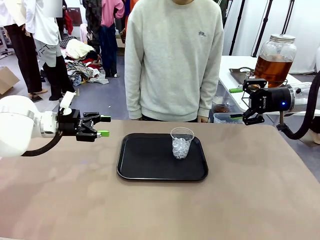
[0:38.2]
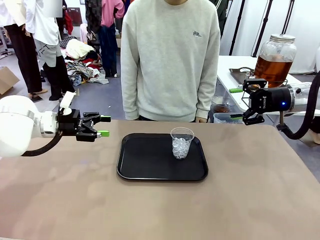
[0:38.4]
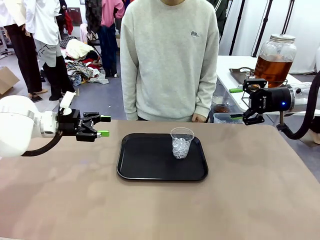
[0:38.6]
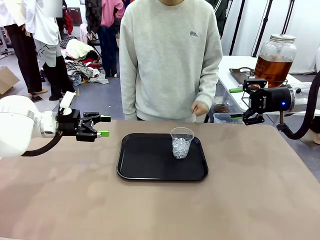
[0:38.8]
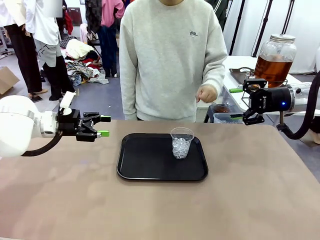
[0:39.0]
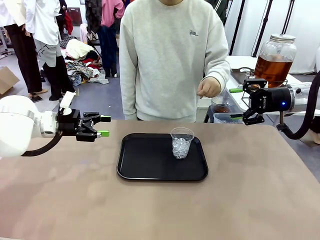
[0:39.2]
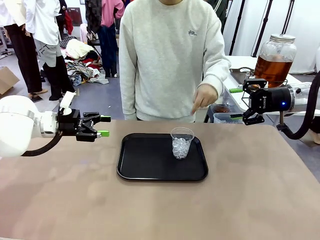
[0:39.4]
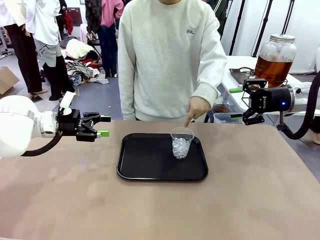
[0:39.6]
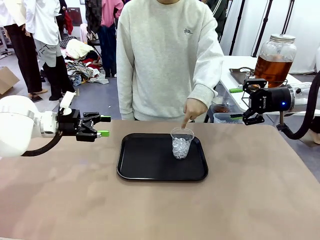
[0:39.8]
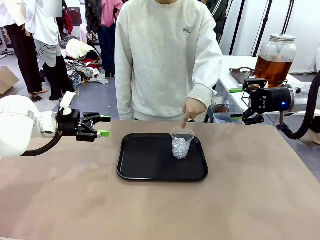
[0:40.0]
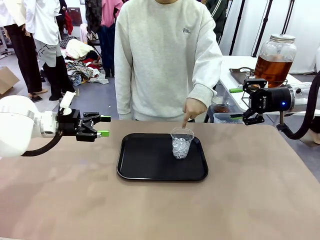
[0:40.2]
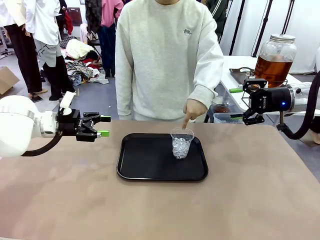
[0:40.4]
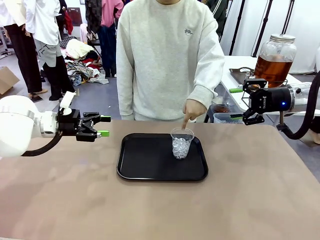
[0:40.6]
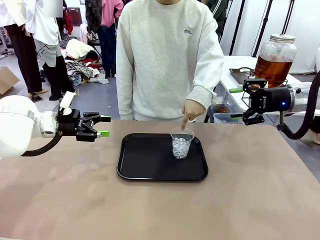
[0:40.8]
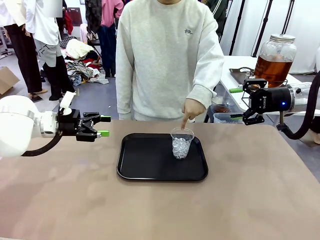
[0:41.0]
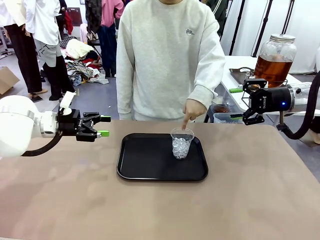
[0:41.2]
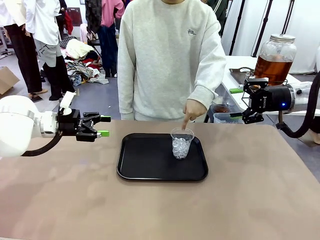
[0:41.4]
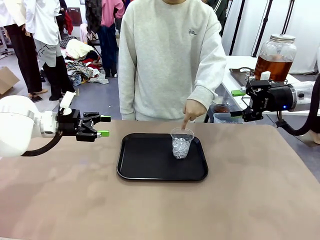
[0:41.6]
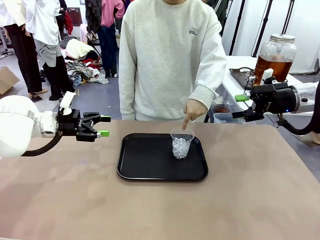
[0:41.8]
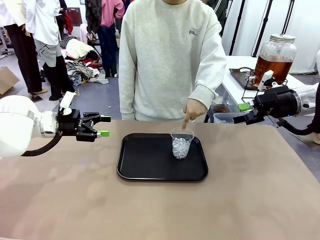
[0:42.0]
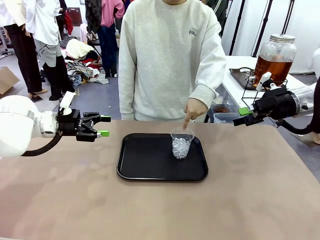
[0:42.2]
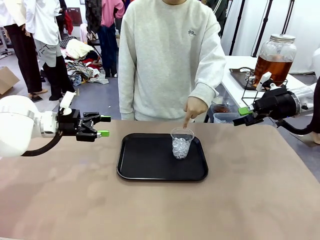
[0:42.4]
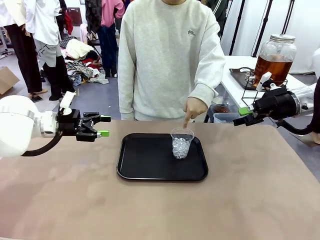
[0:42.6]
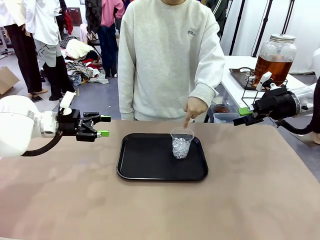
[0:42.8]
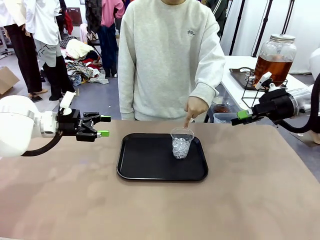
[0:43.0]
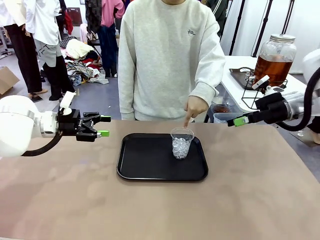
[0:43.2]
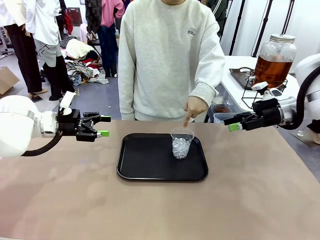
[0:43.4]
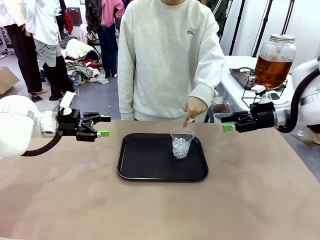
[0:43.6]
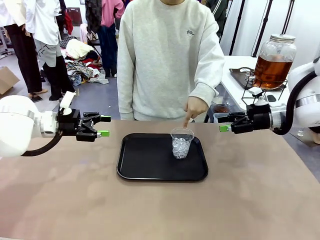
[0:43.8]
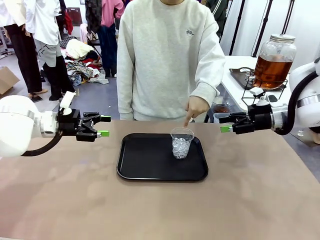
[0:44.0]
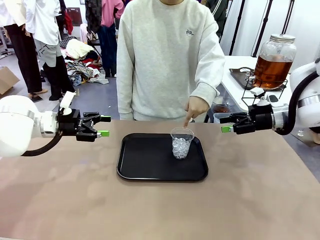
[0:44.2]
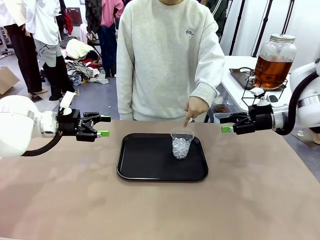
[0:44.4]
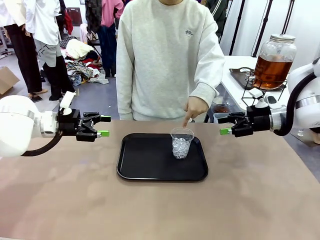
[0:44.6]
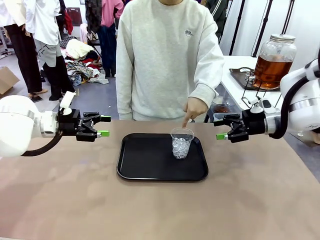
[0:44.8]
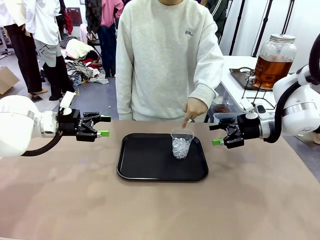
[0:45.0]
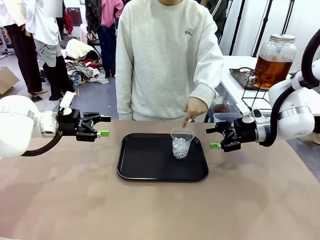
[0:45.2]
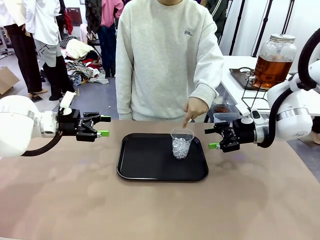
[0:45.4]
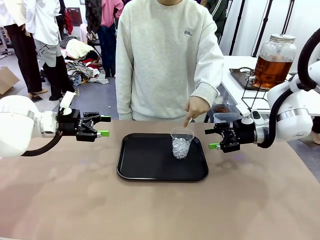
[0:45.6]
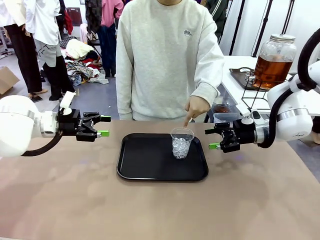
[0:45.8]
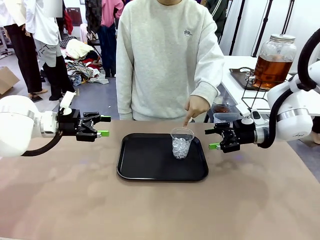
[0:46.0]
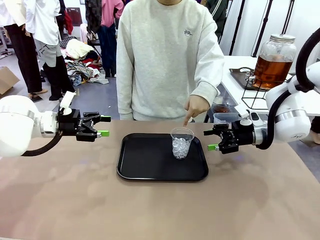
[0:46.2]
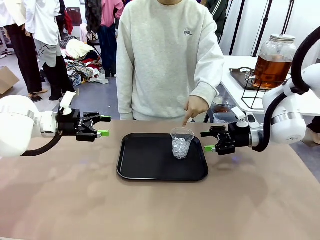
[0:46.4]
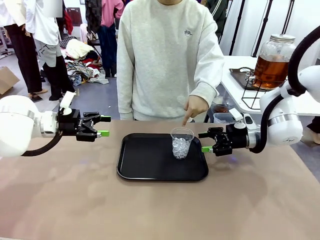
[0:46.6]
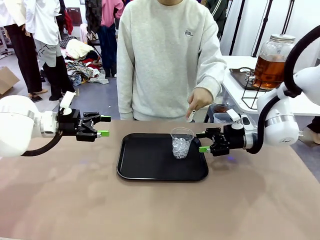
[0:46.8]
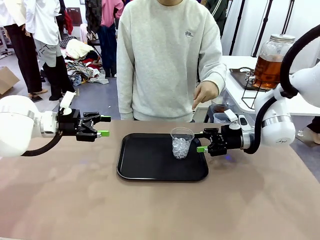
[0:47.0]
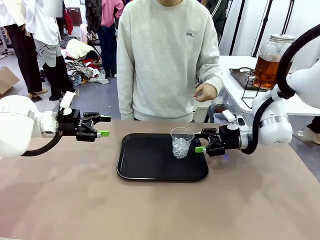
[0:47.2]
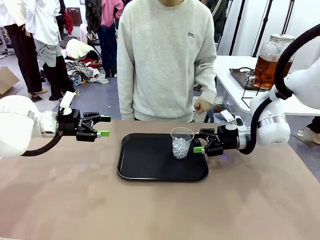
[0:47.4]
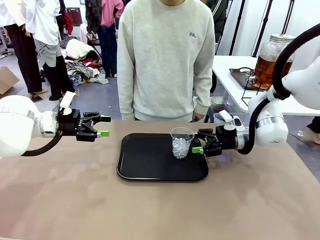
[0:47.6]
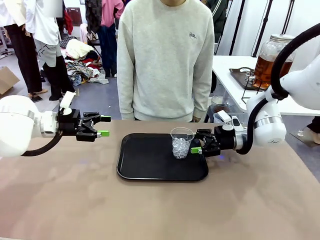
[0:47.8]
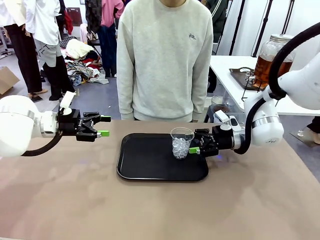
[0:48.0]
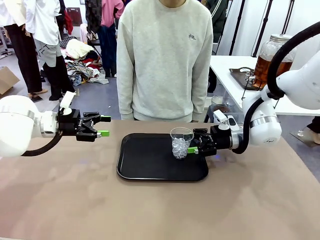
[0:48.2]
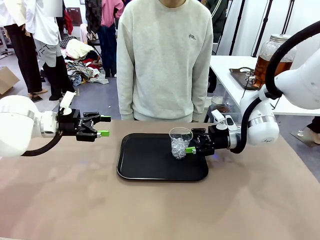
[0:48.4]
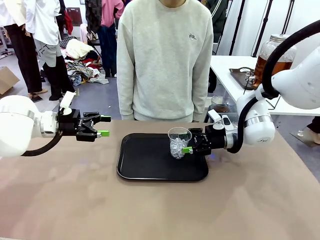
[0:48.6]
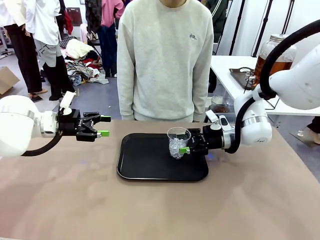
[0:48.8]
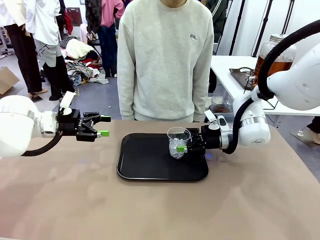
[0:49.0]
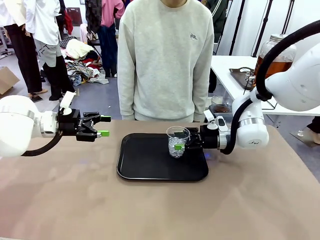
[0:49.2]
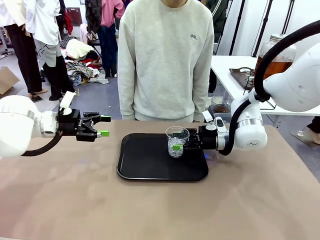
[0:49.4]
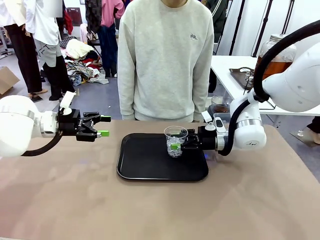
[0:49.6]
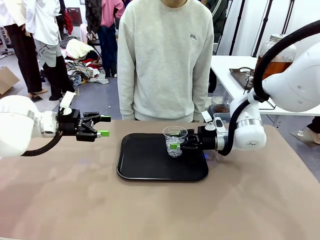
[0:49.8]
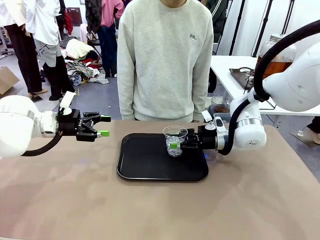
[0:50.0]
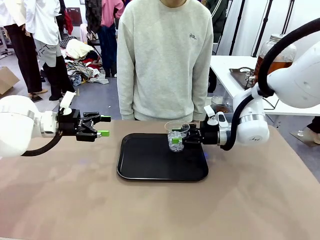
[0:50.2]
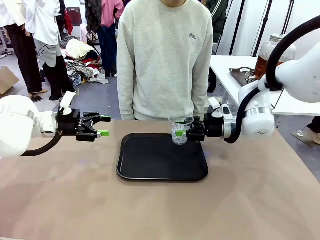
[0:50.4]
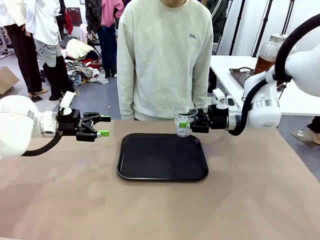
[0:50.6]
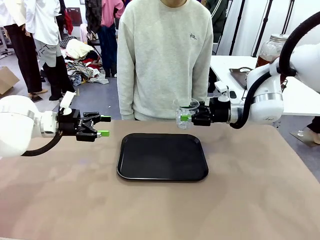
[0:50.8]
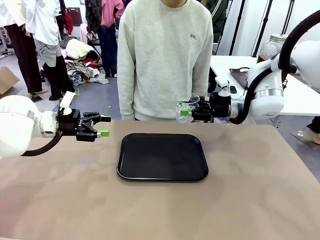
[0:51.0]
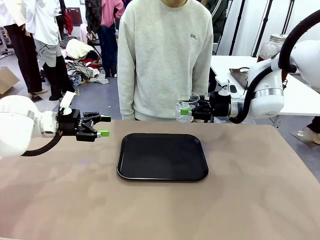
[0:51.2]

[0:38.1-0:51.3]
Task: Pour the drink into the iced cup.
Robot: Pick up the iced cup indicated by the human and present it to them.
Person: Point to the remaining ice cup on the robot table. Pick up the cup offered by the robot.

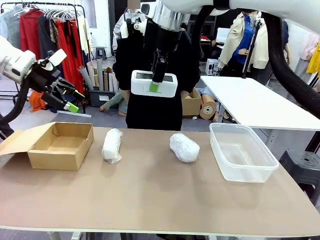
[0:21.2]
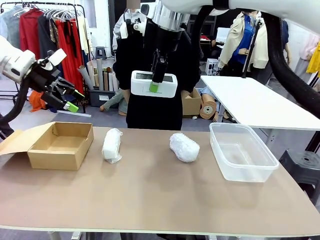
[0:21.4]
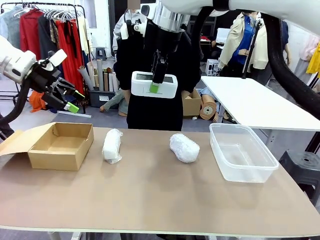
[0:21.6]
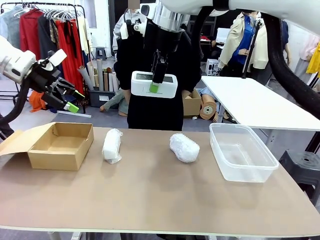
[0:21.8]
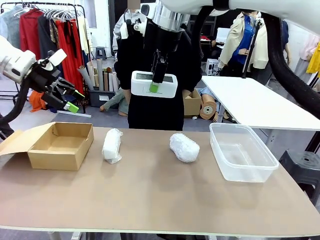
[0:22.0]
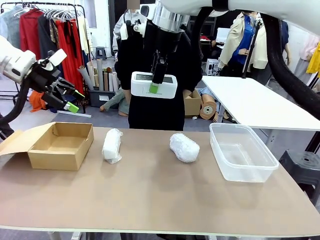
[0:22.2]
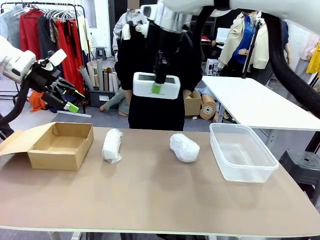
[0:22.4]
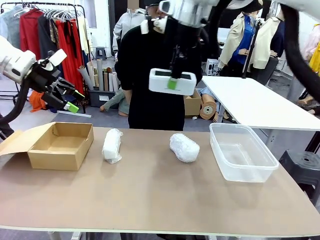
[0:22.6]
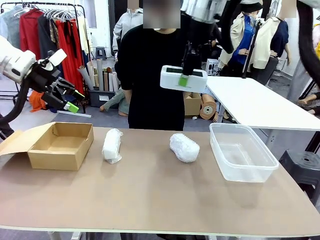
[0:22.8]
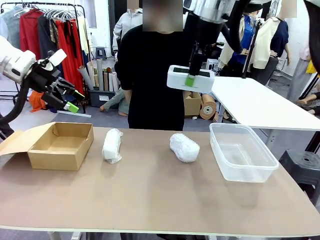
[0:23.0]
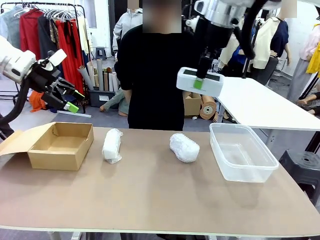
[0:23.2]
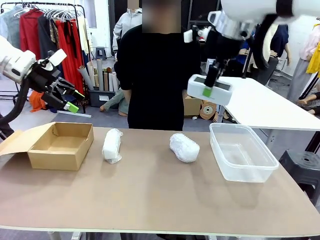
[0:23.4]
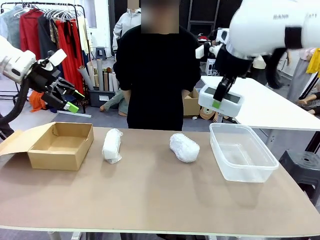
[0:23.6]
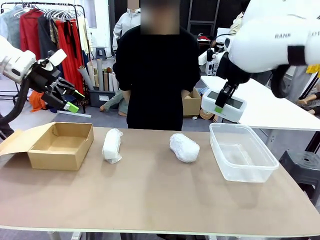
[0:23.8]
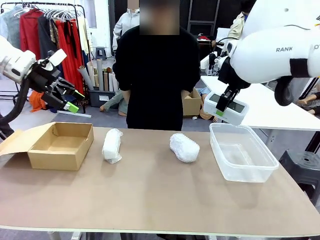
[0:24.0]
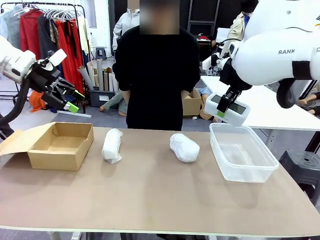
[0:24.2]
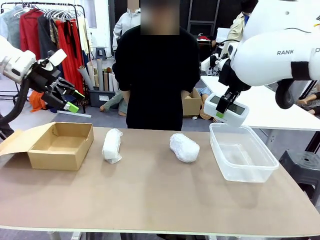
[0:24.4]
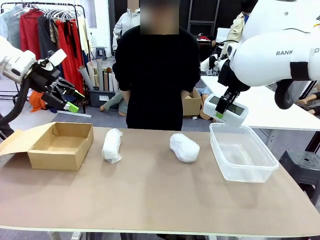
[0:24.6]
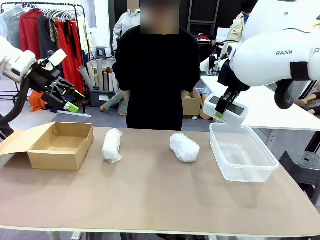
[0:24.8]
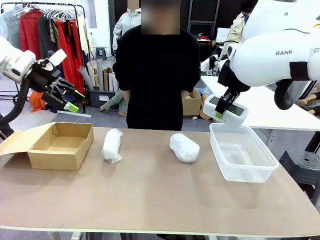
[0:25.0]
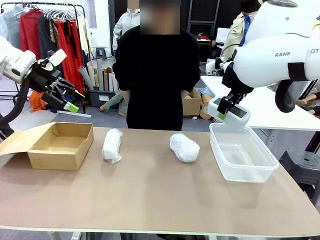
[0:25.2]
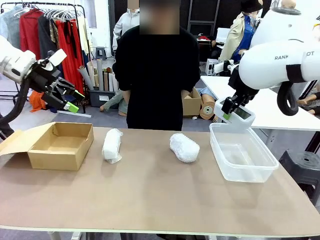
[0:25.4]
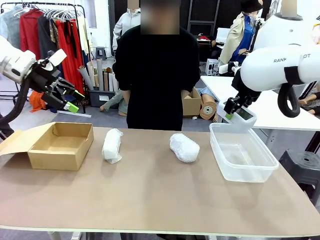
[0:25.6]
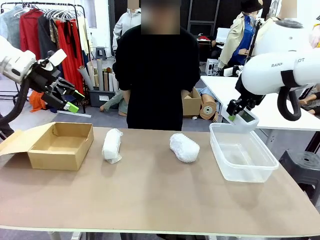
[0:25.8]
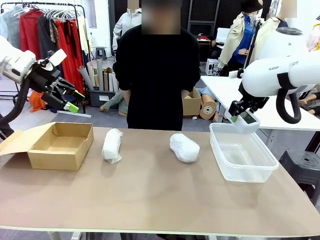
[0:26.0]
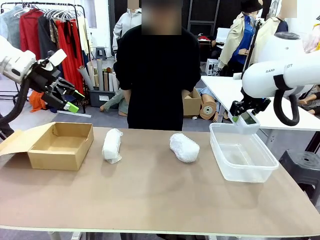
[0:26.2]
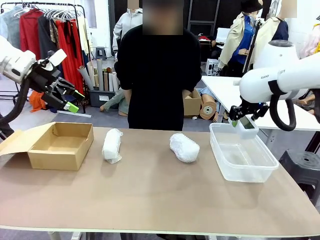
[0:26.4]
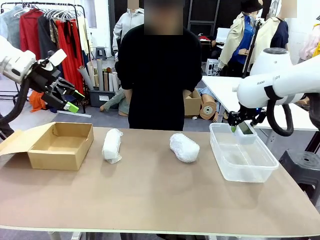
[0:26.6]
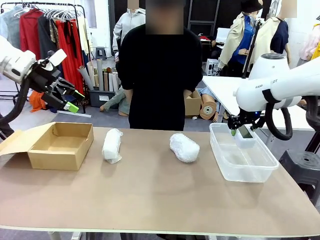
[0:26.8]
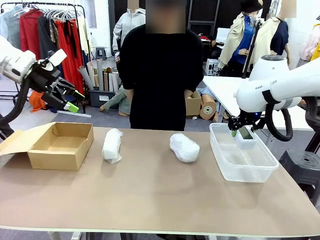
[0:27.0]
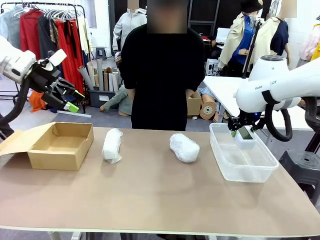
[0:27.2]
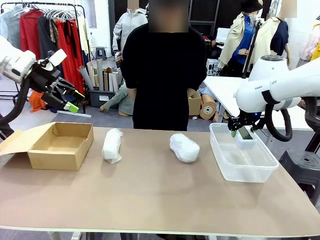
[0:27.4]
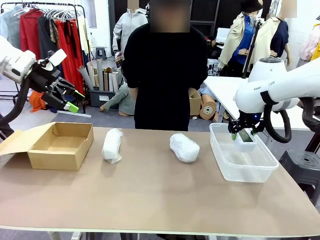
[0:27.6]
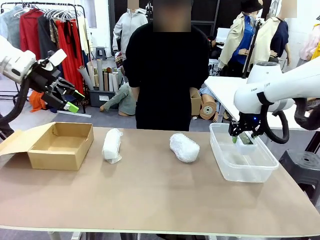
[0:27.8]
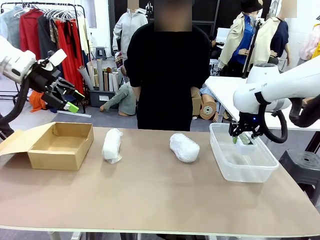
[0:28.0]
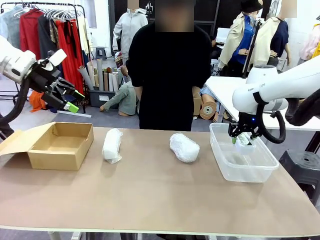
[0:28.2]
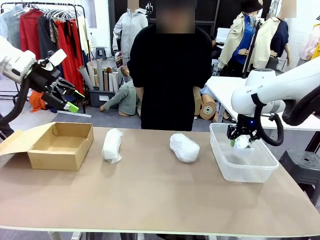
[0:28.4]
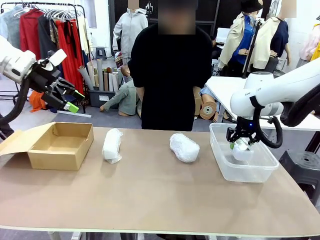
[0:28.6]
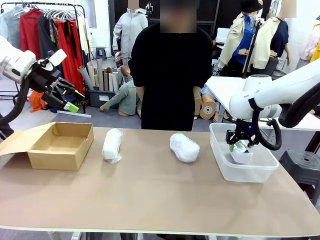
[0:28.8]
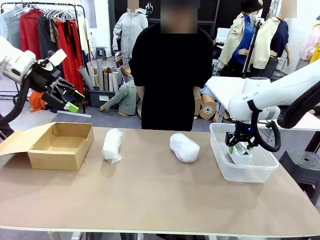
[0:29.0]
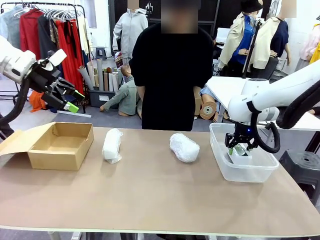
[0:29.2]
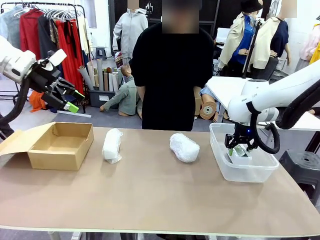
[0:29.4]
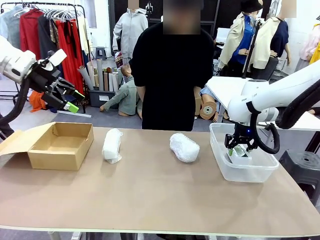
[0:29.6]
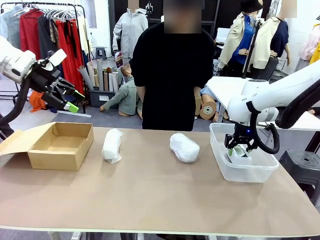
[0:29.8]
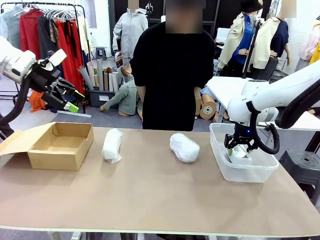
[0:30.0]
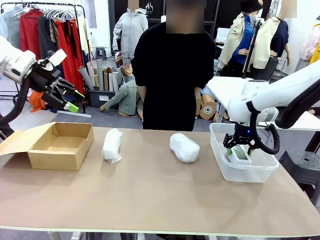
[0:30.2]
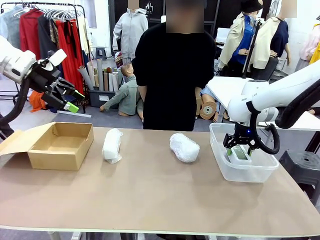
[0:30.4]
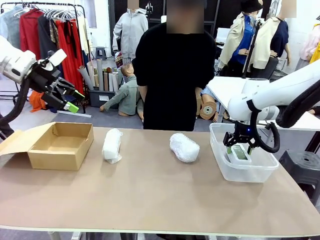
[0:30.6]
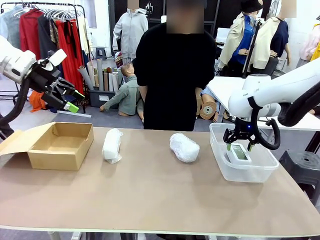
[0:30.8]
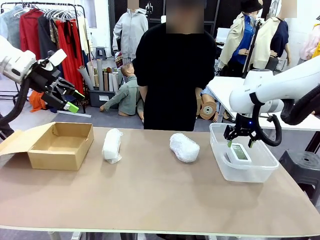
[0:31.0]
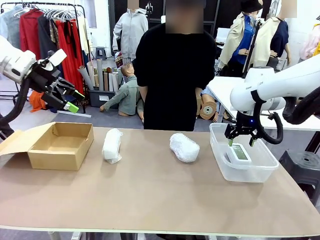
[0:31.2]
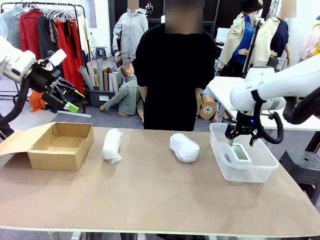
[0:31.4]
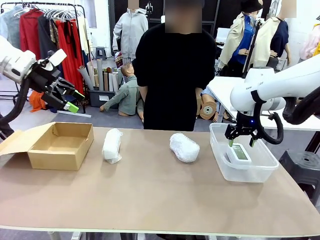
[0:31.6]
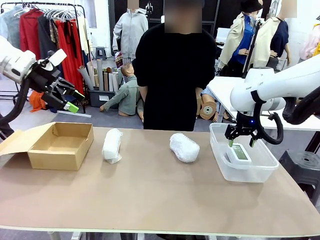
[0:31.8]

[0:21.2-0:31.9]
Task: Separate and place wrapped and unwrapped clocks.
Robot: If the picked Digital clock is wrapped, place it in the Package Box ; if not, place it in the Organizing box.
